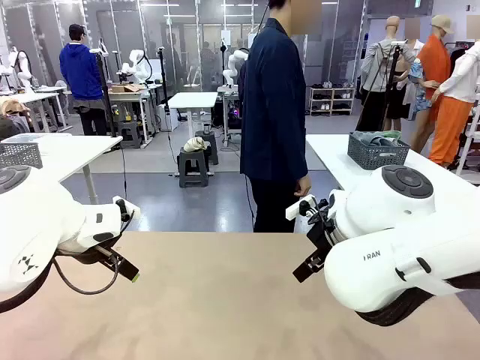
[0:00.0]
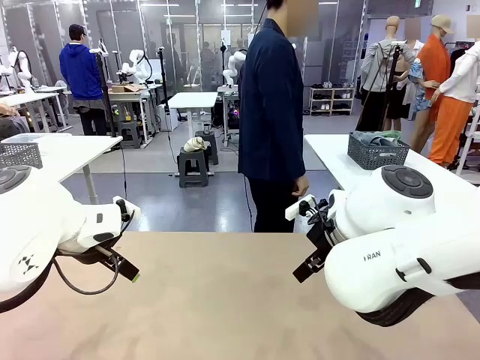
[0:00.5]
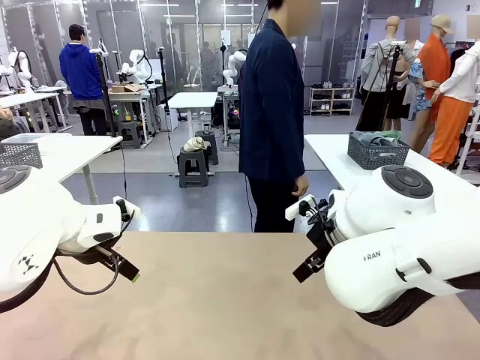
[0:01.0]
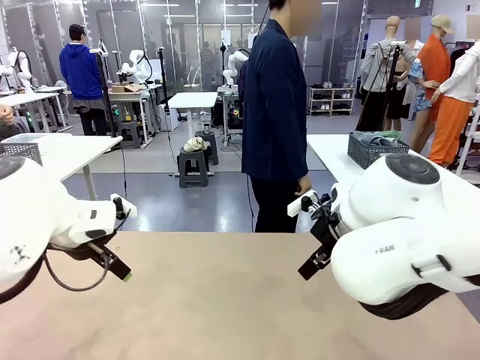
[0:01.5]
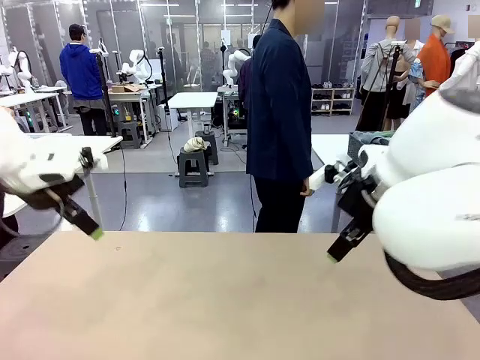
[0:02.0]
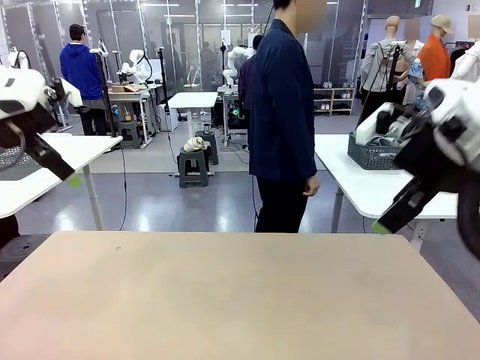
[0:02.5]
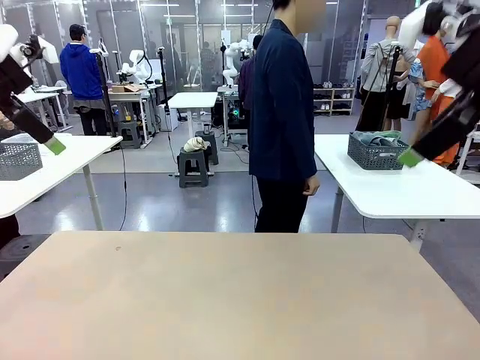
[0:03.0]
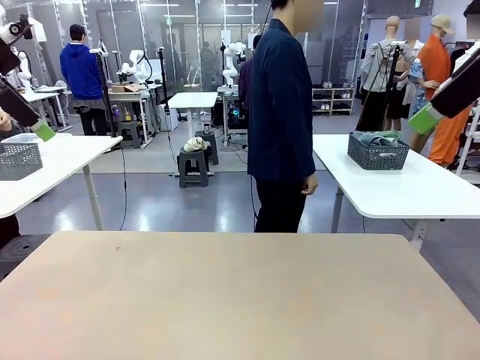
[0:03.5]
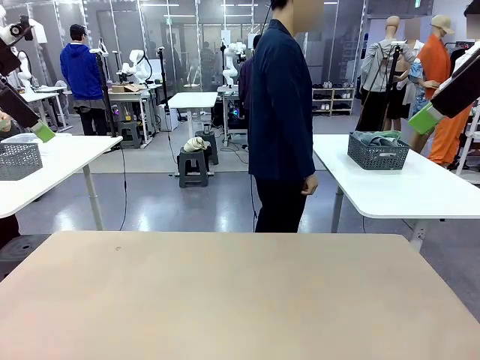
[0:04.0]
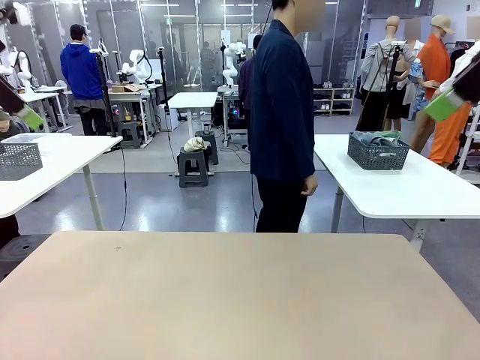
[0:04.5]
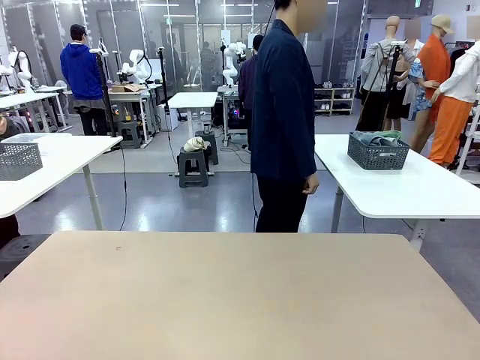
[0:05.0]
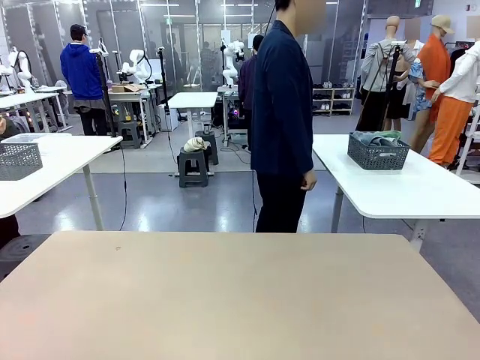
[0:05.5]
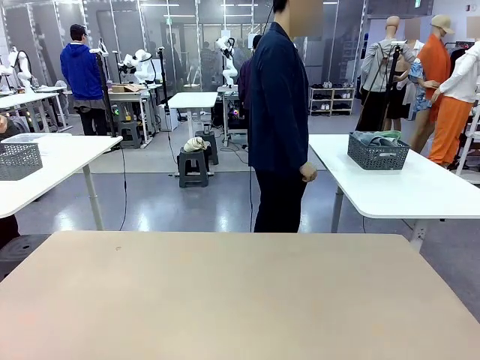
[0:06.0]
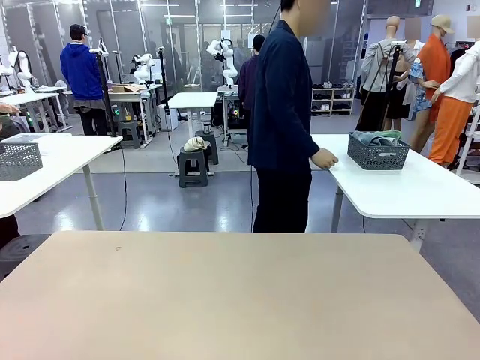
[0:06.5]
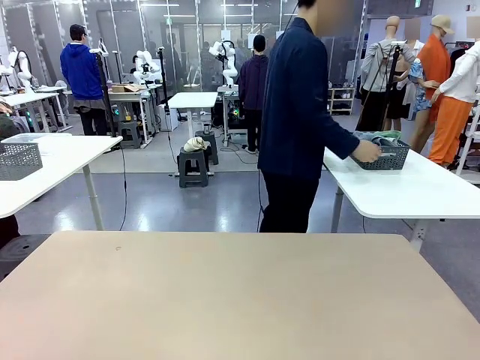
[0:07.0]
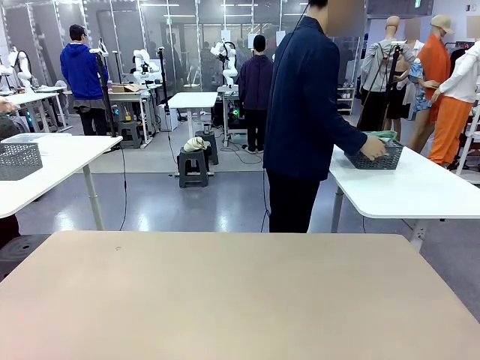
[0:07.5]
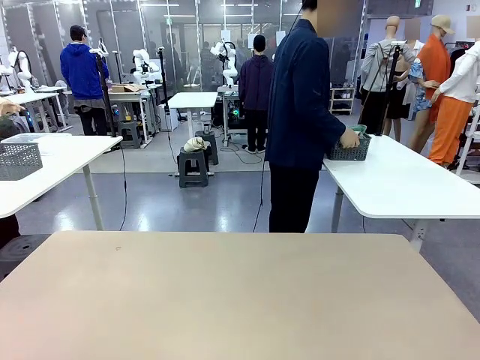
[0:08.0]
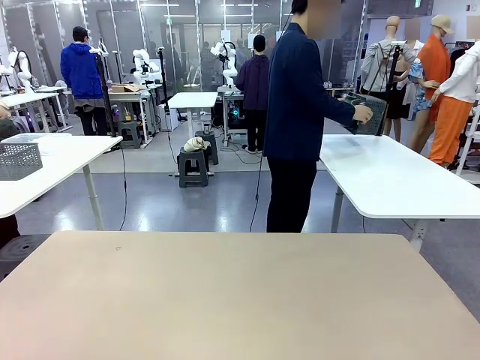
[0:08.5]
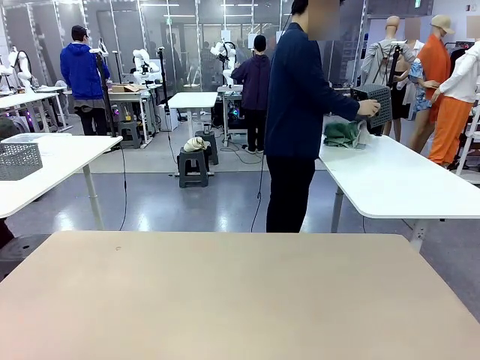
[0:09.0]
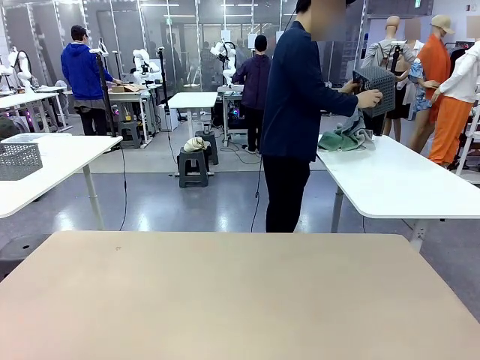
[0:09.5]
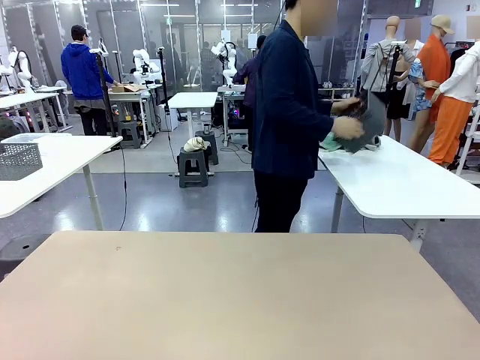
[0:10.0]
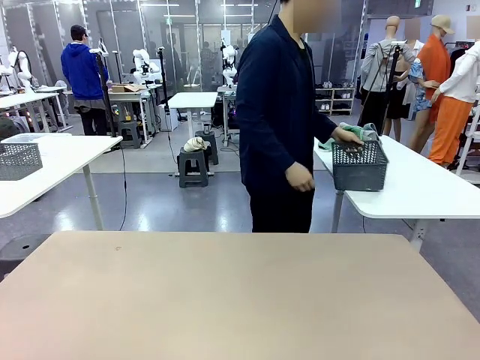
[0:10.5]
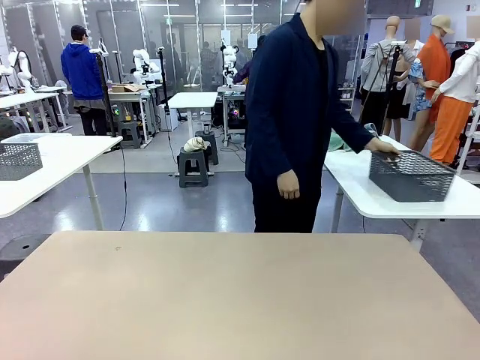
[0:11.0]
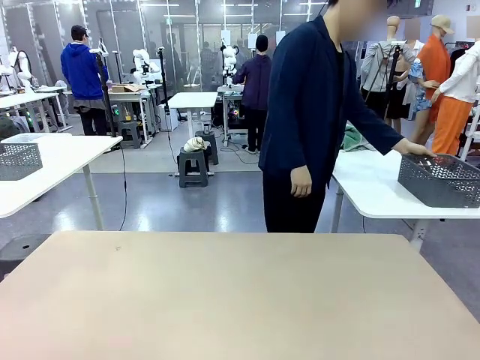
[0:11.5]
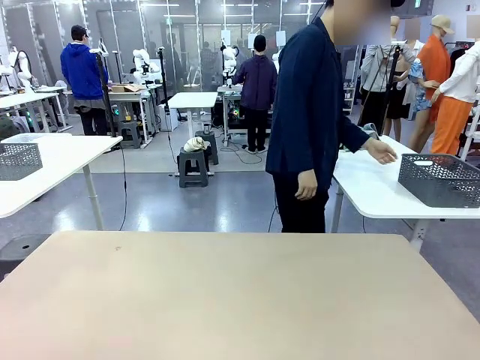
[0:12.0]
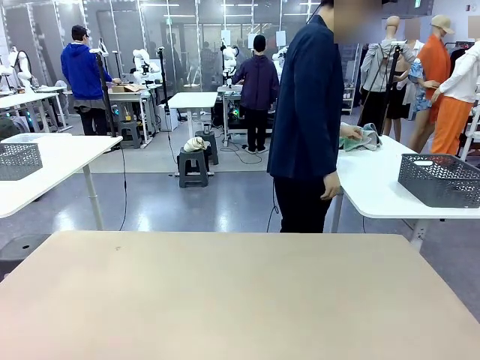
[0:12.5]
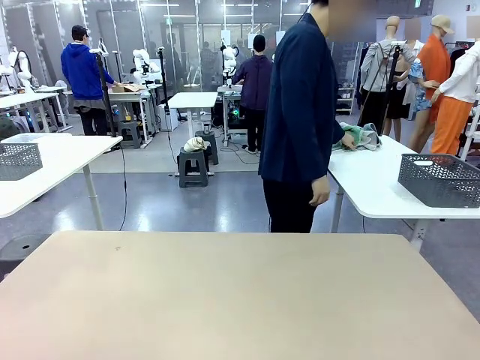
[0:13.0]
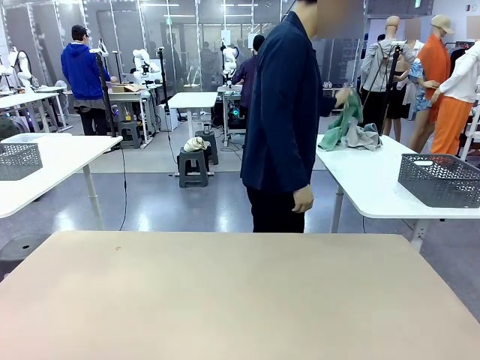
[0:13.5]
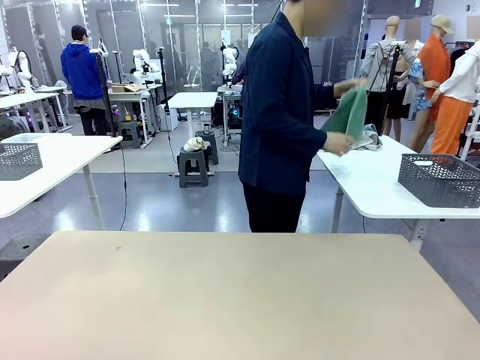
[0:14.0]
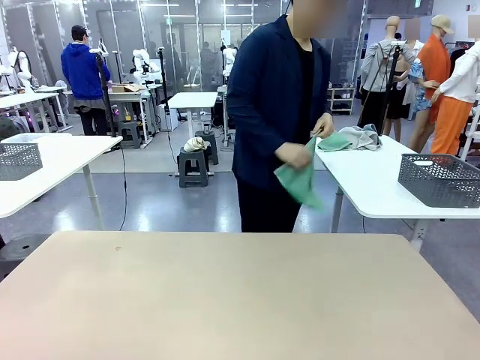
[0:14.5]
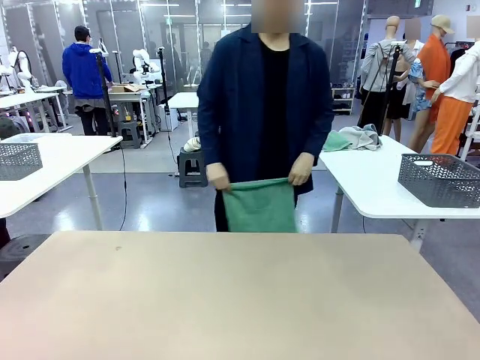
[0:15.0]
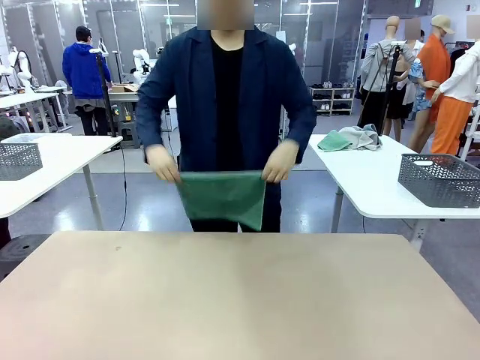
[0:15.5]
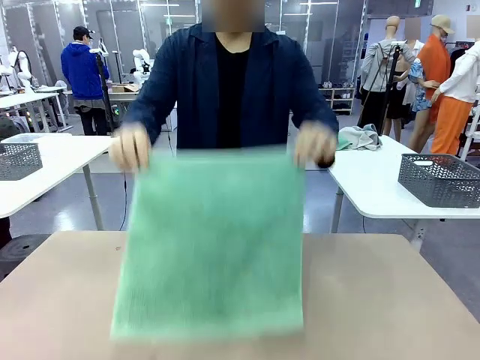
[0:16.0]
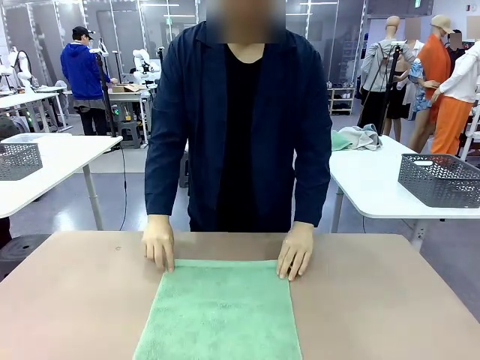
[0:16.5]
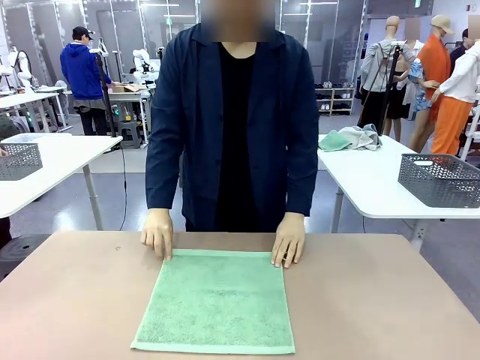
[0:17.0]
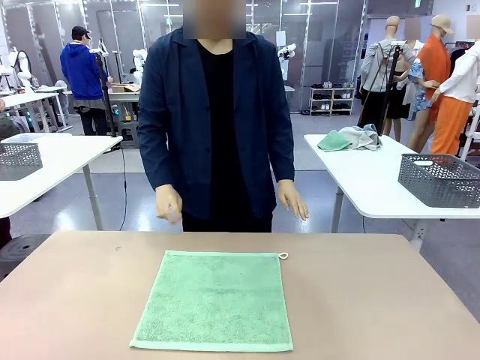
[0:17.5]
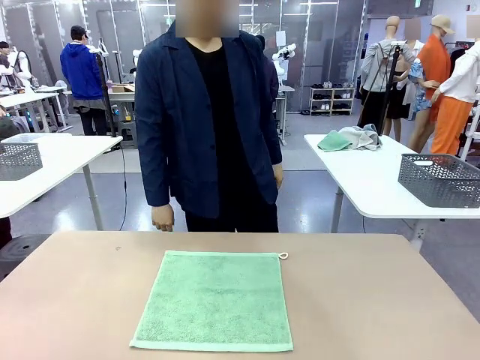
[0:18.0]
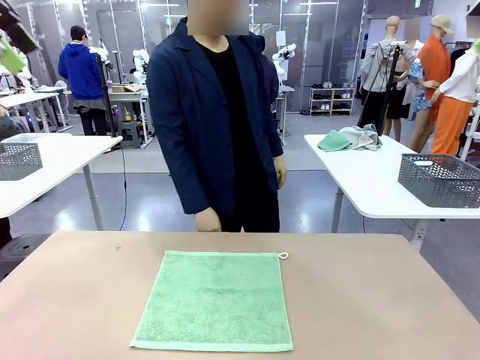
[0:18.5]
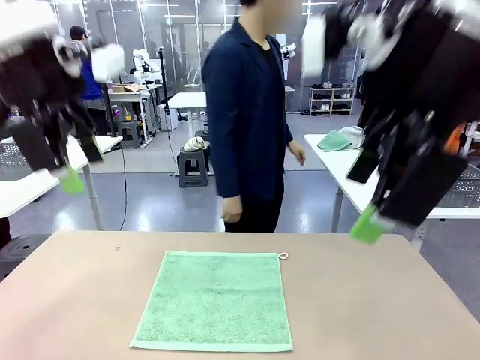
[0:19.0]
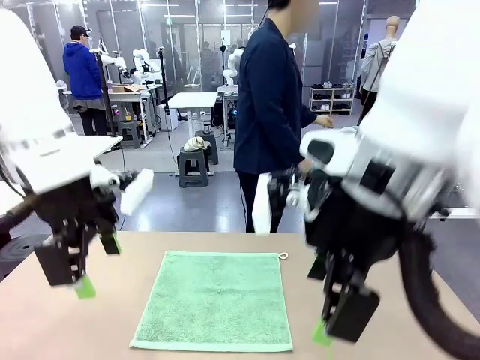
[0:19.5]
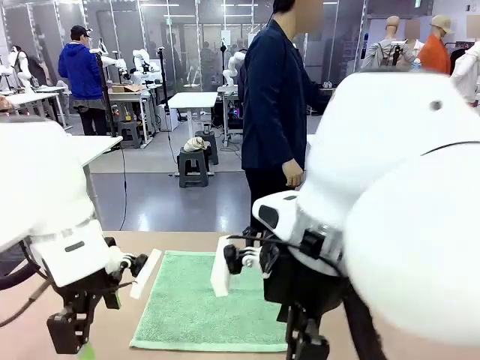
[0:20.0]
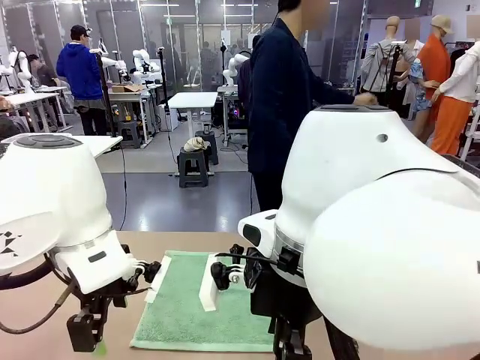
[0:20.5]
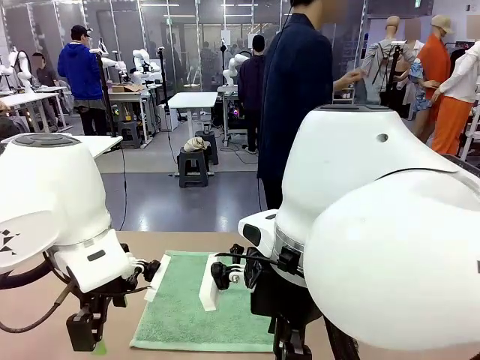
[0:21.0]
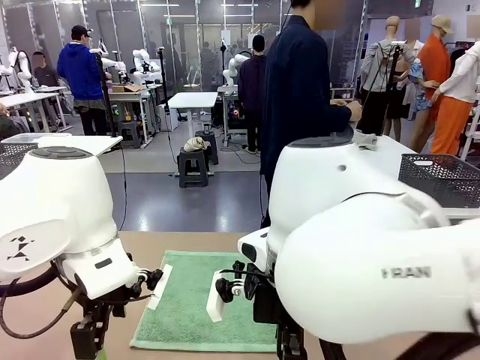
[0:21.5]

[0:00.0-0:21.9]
Task: Fold the towels and place them in the basket.
Robot: When a person lays out a Towel with hook on the table, fold it in half twice.
Person: Pick up the basket, pour the towels onto the left side of the human table, and place the basket on the right side. Pick up one towel and spread it out at the center of the robot table.
